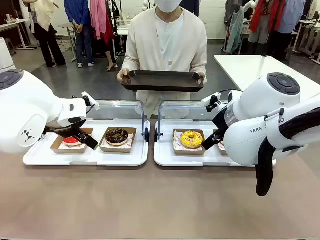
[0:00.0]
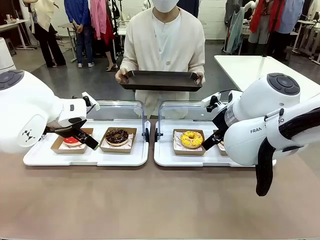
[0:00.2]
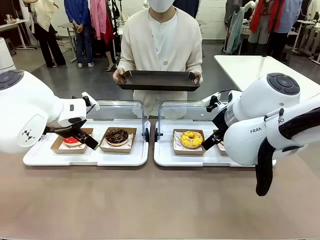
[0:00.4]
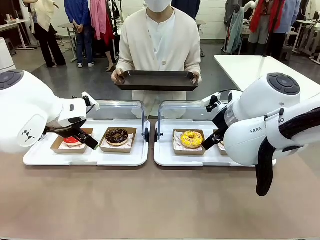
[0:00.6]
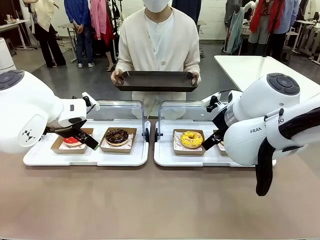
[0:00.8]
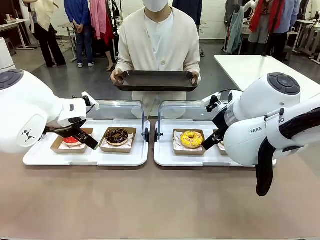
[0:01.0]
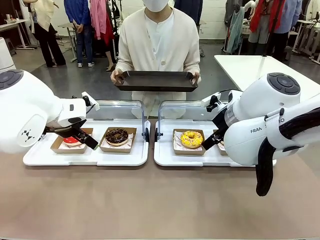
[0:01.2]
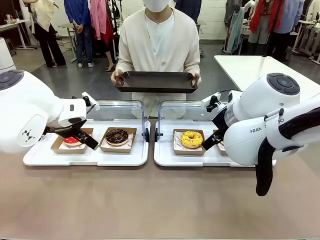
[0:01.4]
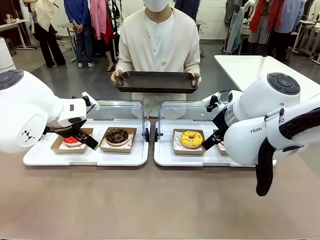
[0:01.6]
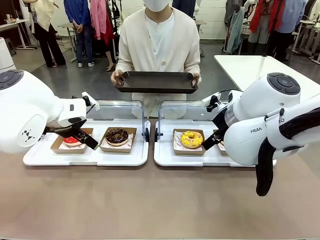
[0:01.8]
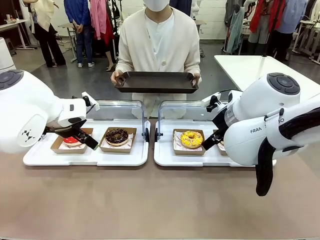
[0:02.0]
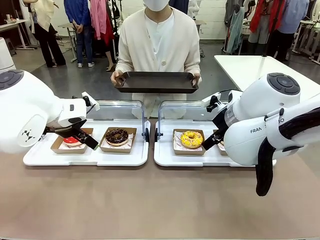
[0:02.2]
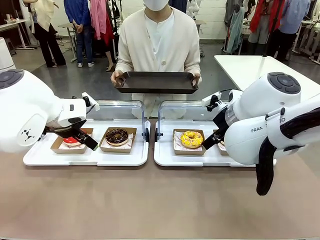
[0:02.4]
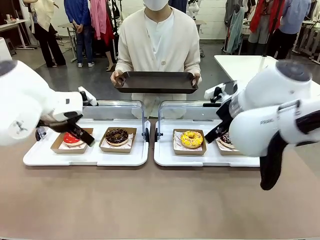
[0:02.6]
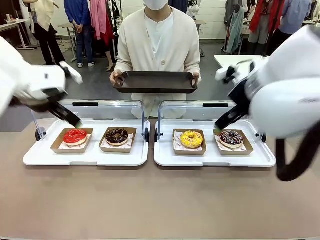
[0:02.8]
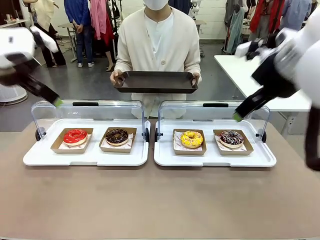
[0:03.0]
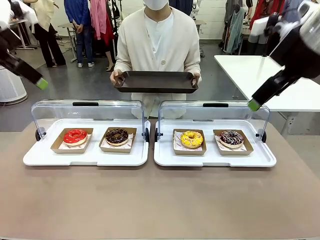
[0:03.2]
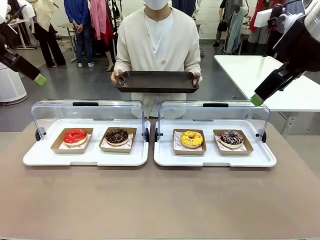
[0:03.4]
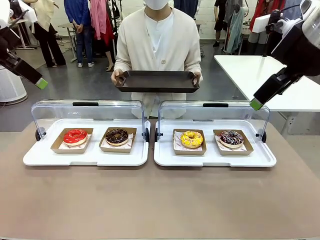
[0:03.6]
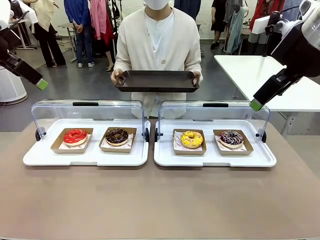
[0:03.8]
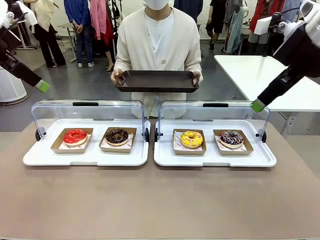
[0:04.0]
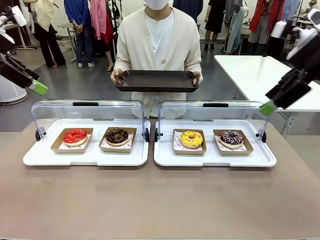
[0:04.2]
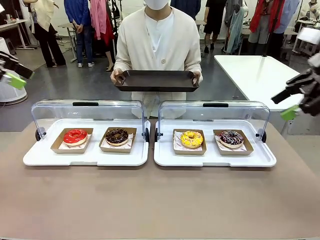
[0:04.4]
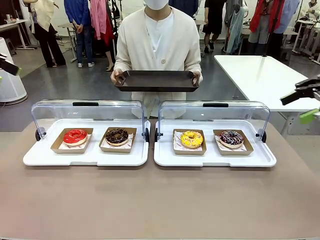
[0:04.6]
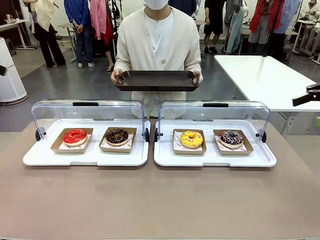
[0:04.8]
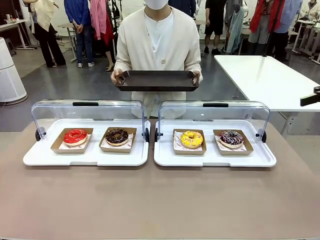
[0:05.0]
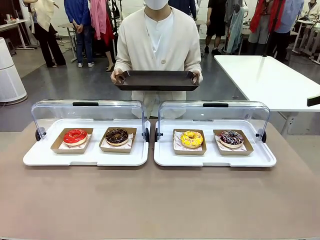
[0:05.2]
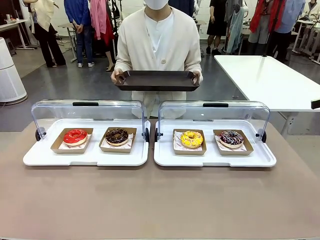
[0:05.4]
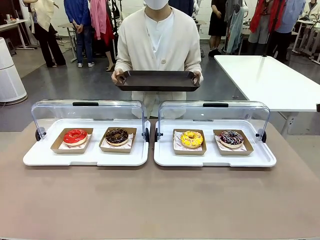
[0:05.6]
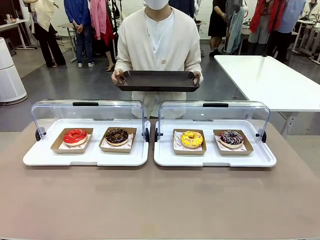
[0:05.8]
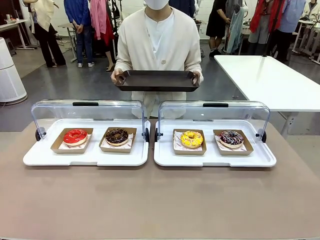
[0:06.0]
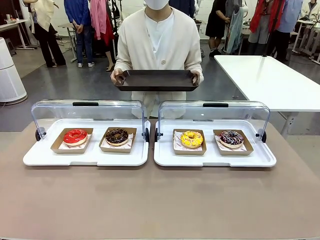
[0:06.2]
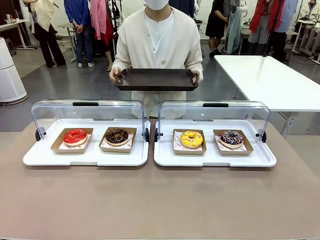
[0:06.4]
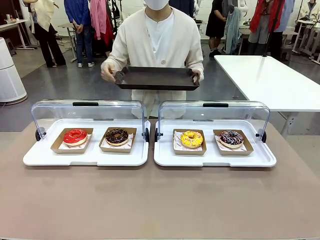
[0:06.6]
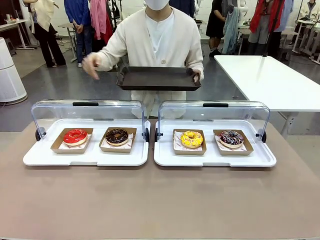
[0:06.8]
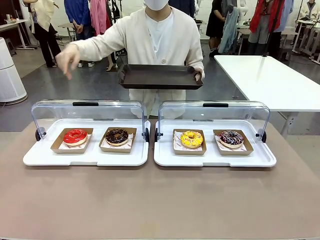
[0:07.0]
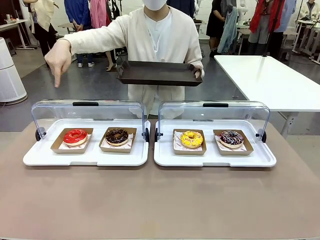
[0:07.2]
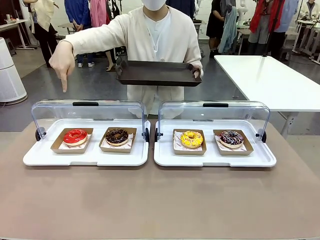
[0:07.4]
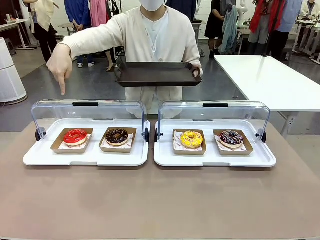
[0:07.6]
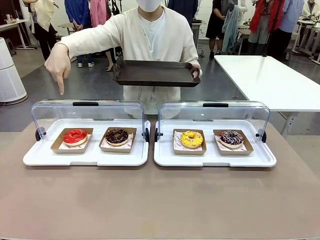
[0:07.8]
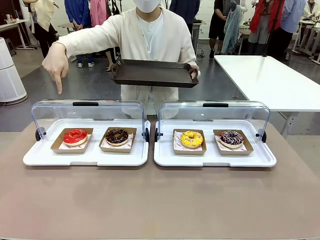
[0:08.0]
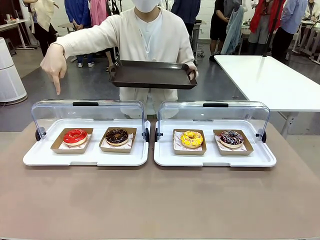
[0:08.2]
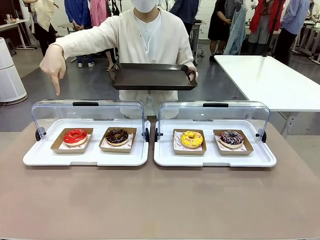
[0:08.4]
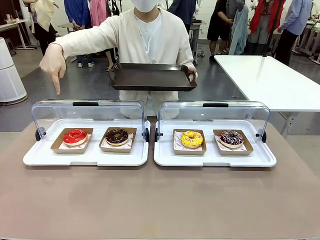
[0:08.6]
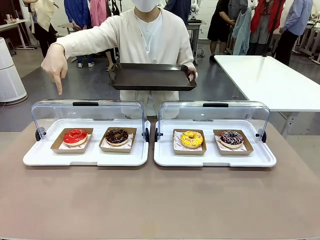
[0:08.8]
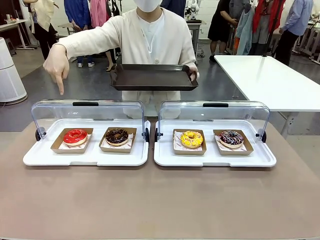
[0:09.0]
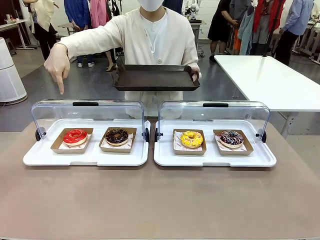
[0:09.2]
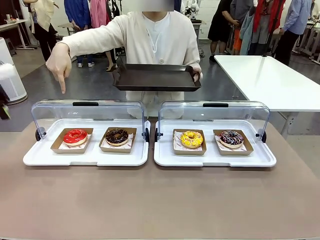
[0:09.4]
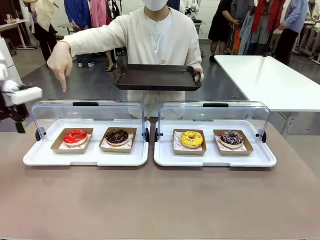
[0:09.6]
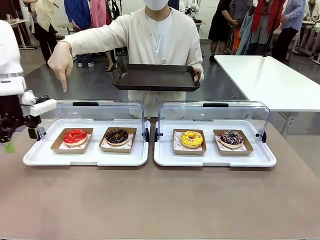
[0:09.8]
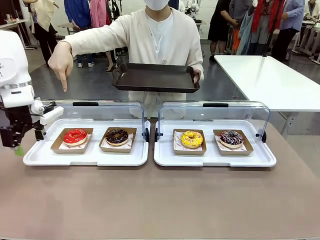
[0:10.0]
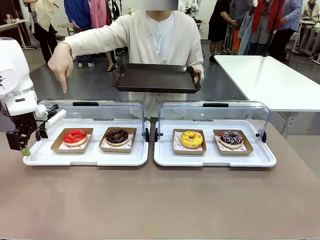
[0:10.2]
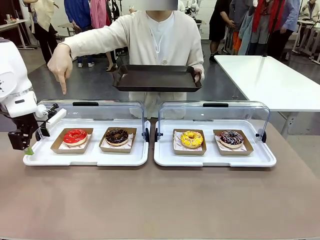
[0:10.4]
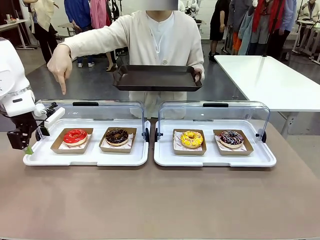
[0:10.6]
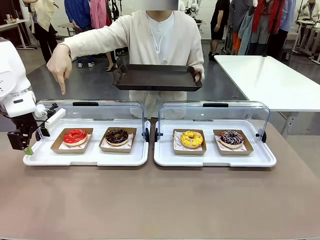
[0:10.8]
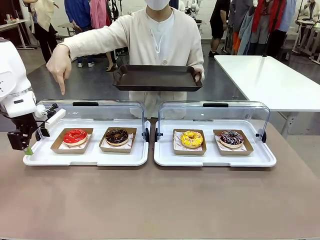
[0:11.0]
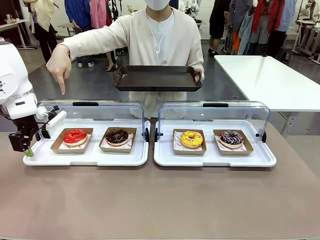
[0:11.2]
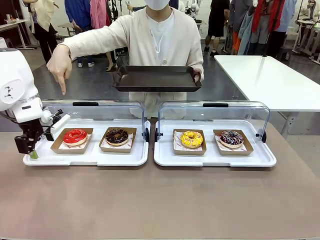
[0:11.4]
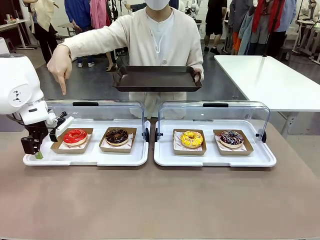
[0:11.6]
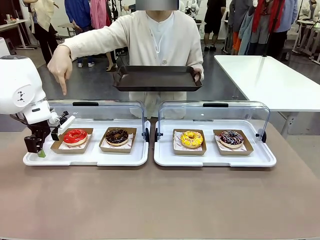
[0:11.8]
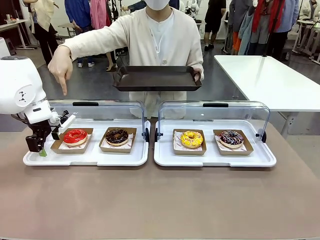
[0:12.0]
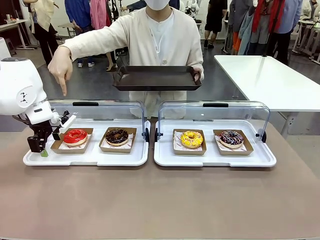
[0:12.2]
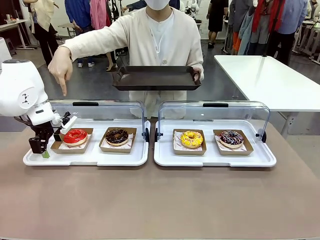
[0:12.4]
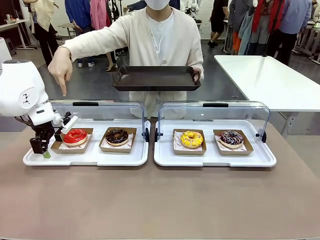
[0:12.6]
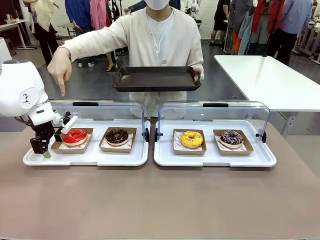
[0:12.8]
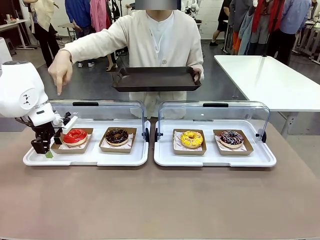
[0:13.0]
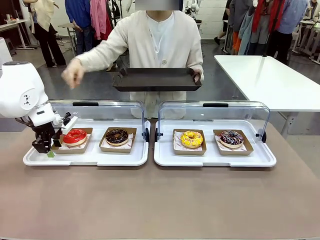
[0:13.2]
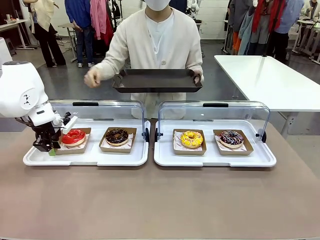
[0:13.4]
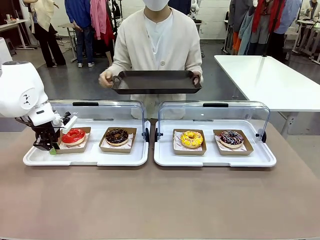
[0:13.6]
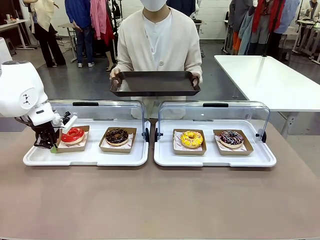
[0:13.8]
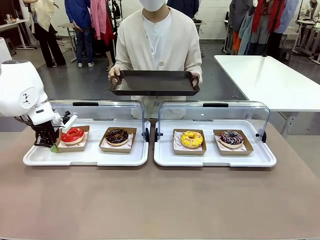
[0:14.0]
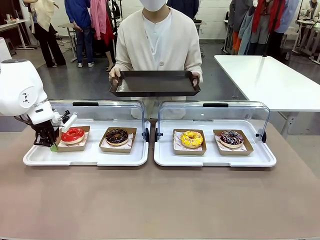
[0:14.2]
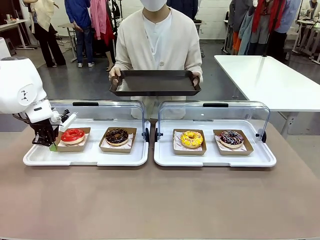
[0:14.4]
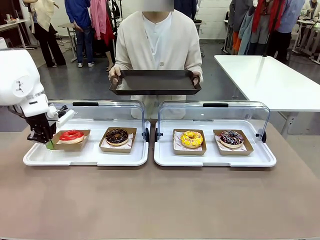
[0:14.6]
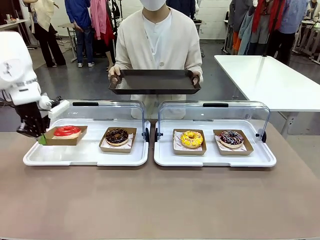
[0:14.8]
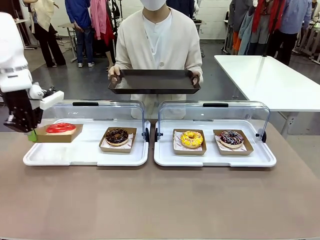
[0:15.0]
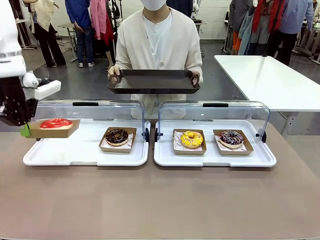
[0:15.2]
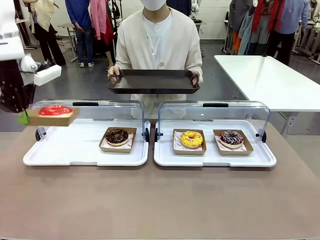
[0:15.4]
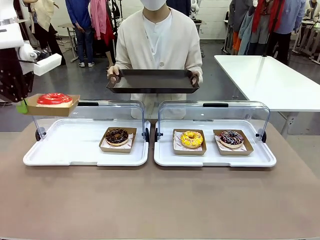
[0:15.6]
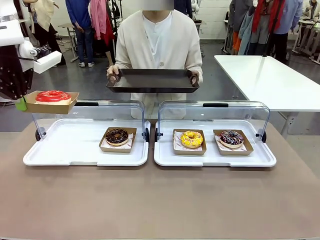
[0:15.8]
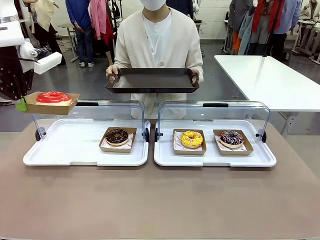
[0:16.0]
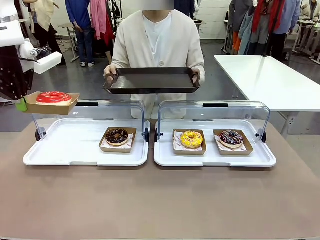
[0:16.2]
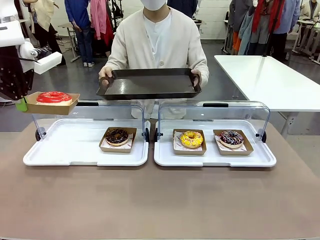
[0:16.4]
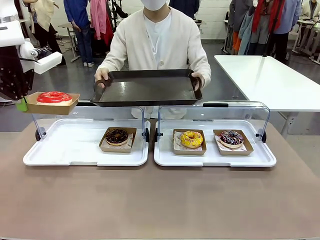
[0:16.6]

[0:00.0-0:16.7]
Task: Provide the desired donut to the person.
Robot: Pick up and lift the Paper togo box containing the Donut pointed at by the person.
Person: Point to one donut. Lift the tray onto the Roll-Top Bakery Case.

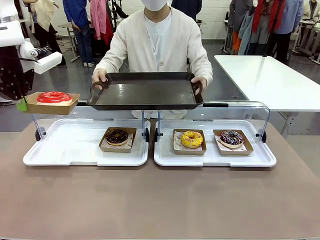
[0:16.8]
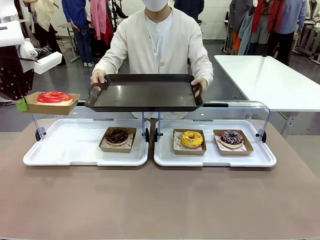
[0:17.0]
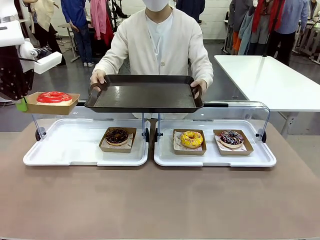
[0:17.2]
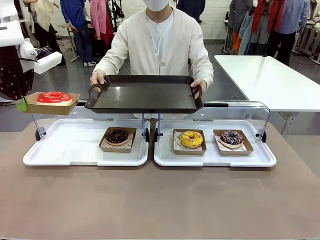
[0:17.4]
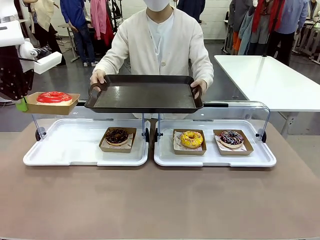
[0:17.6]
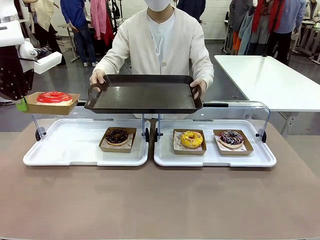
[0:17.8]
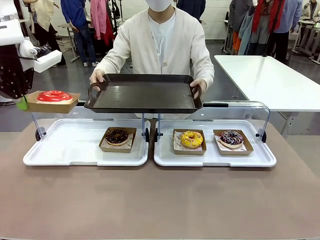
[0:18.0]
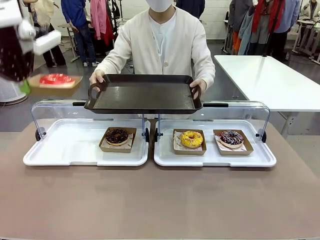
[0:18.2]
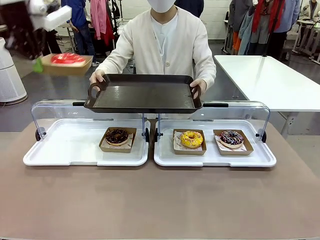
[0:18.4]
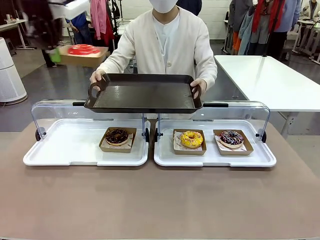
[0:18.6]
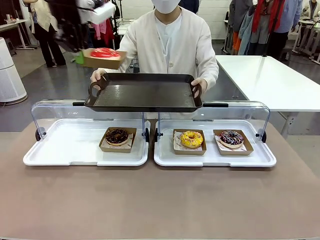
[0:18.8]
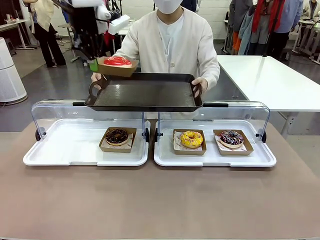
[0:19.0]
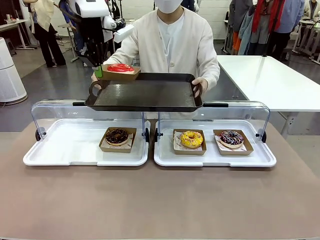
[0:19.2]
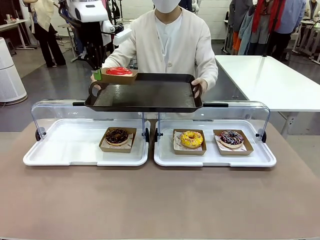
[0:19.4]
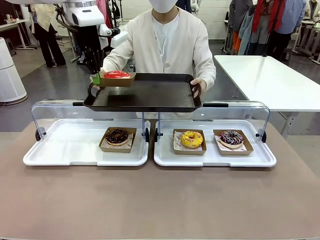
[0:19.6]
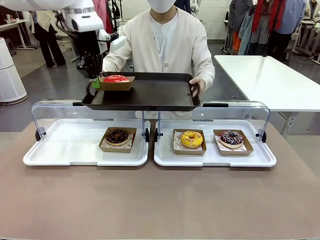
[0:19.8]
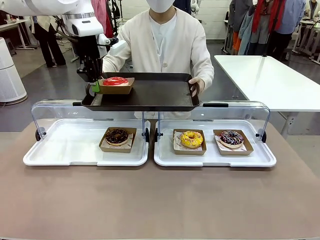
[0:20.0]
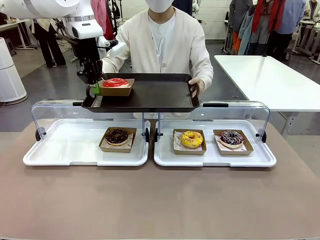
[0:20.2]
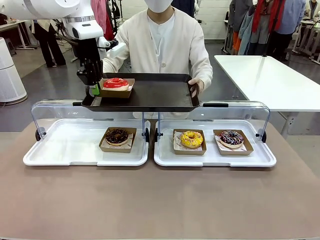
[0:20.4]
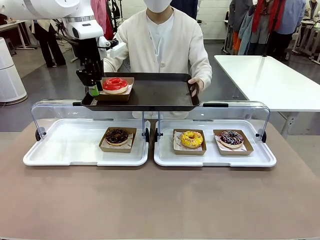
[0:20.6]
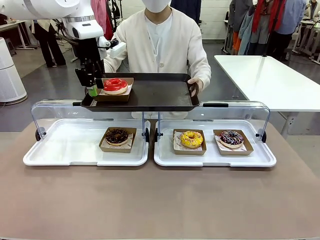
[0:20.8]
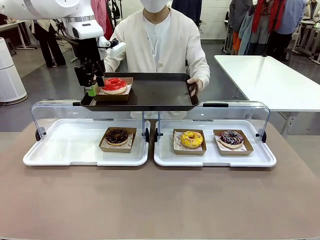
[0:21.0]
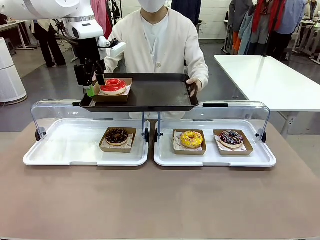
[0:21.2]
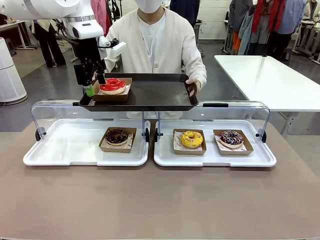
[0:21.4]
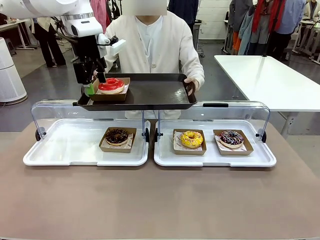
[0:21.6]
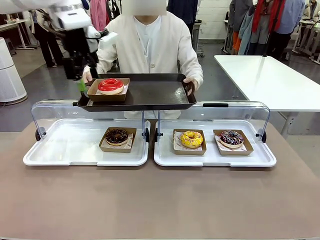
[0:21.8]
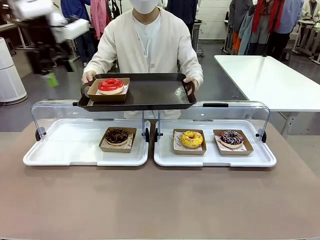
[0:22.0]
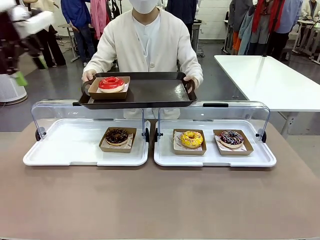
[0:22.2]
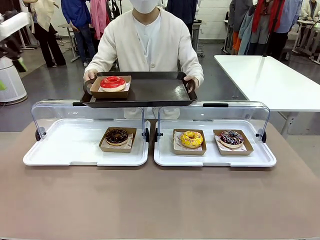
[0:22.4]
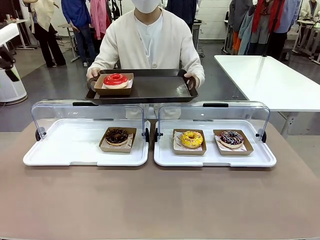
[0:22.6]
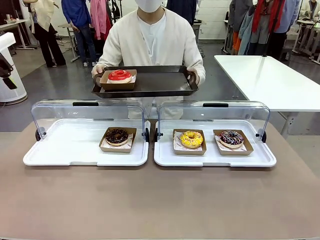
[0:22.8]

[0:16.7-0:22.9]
Robot: Place the picked Paper togo box onto the Handle tray extended by the person.
